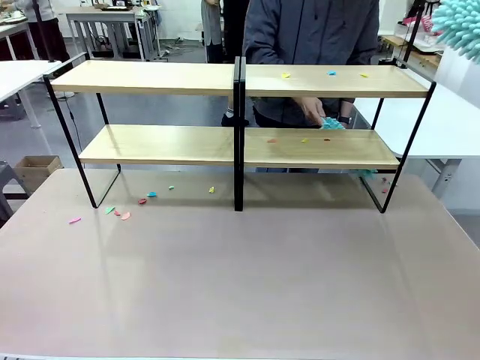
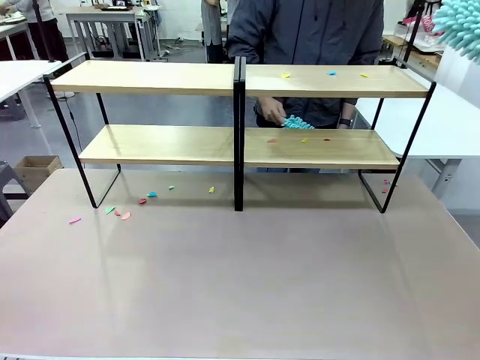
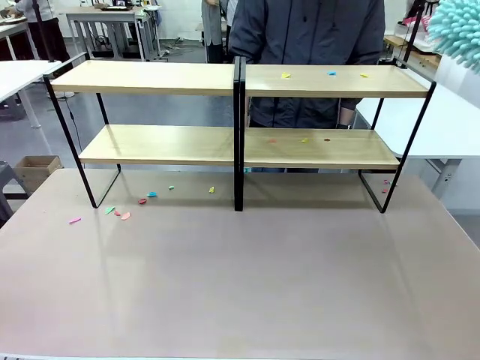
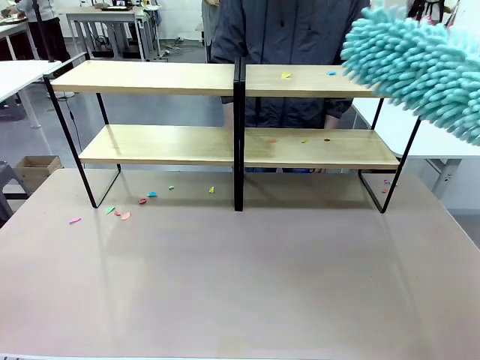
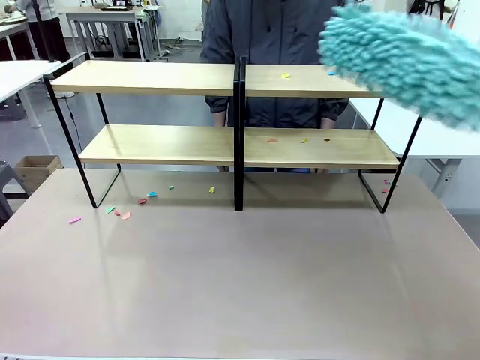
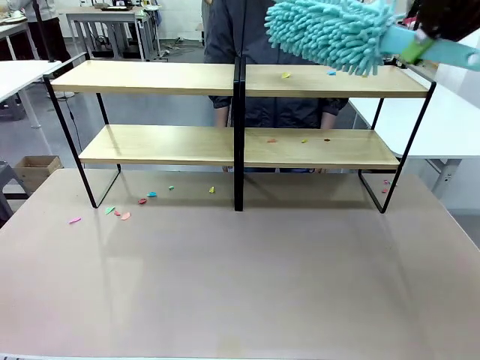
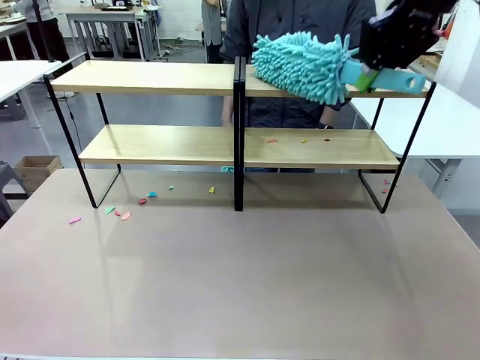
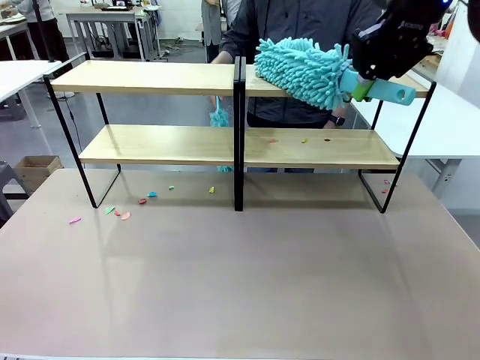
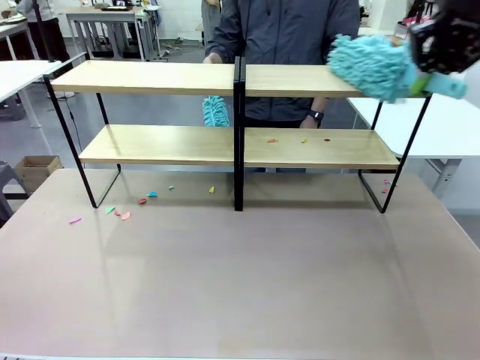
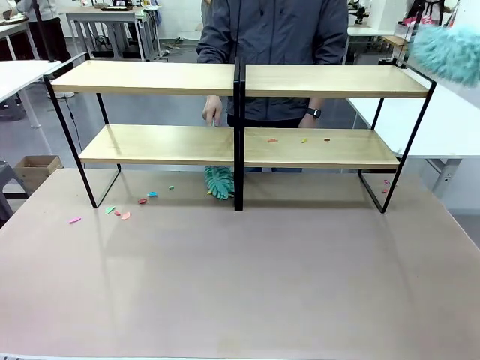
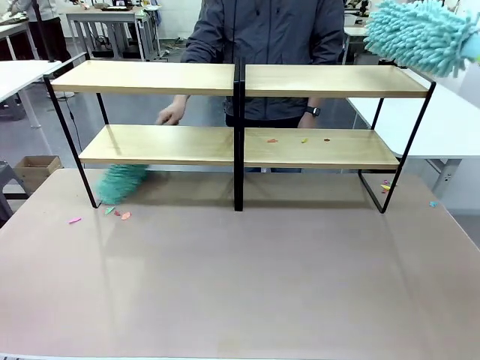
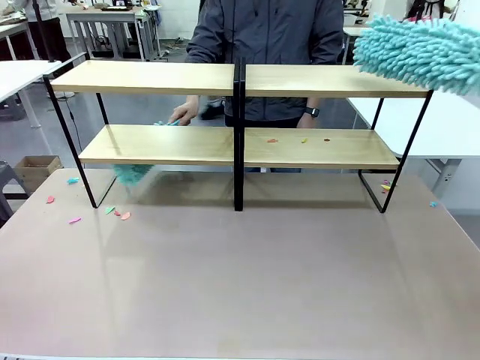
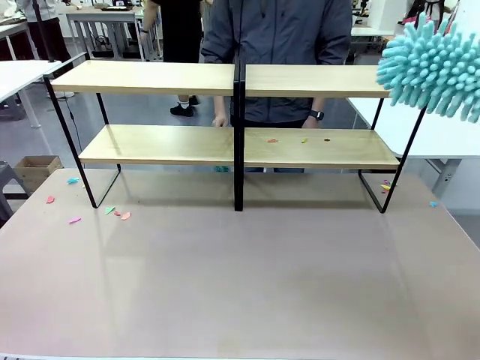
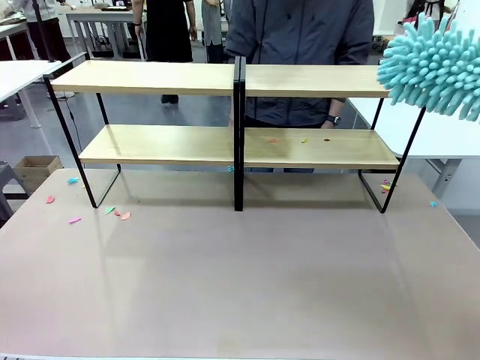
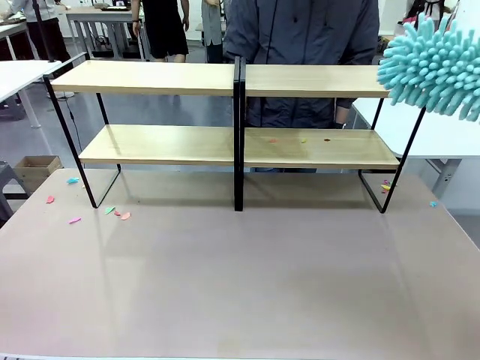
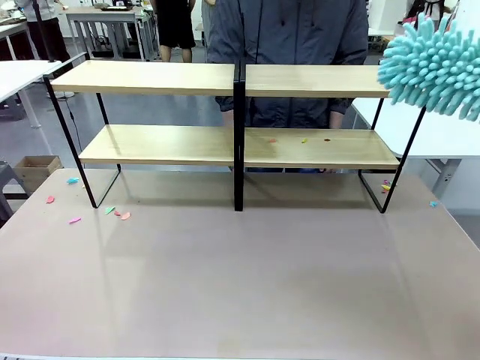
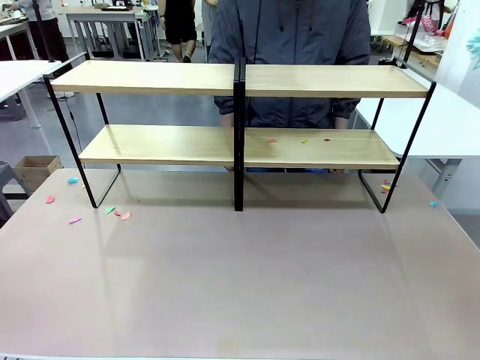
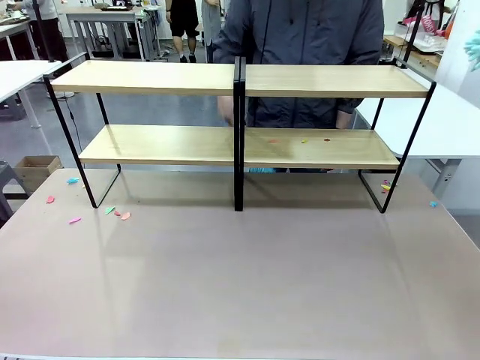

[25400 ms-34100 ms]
Task: Clean the shelves.
Robot: Clean another randomly selected level of the Shelf with the Duster.

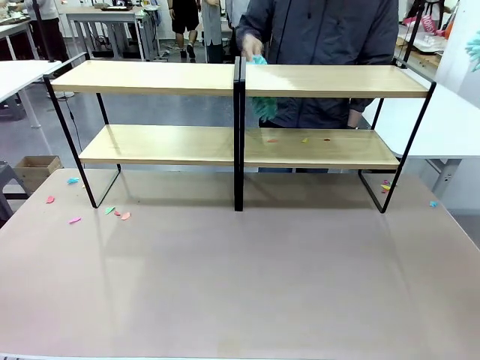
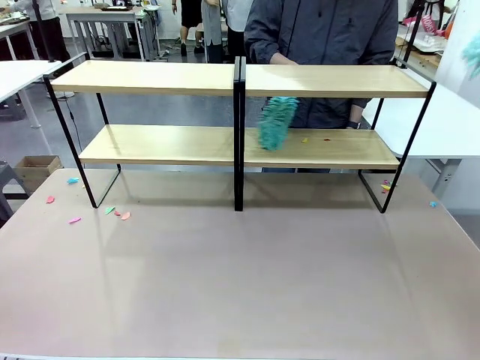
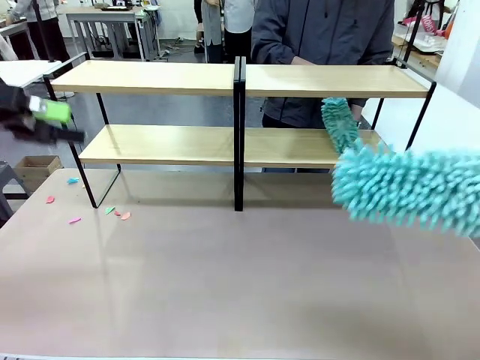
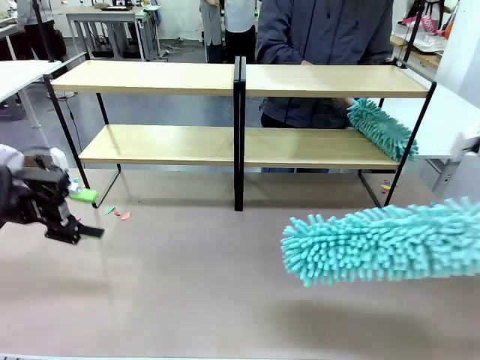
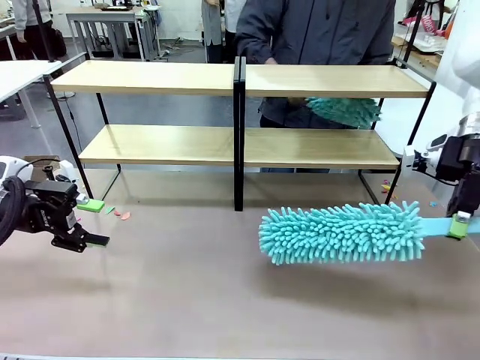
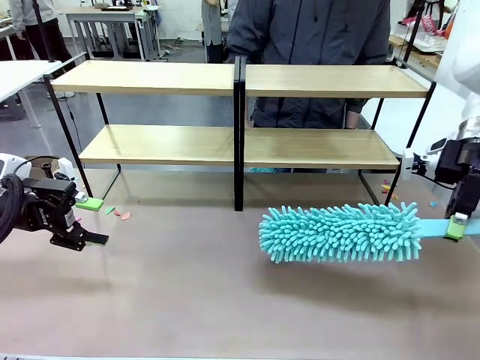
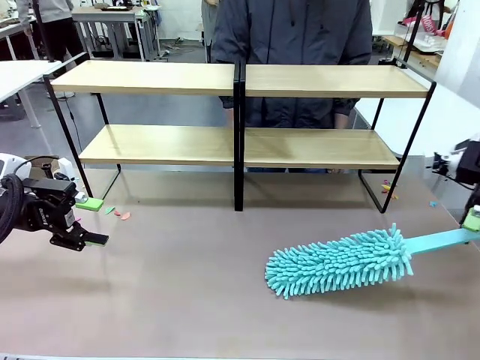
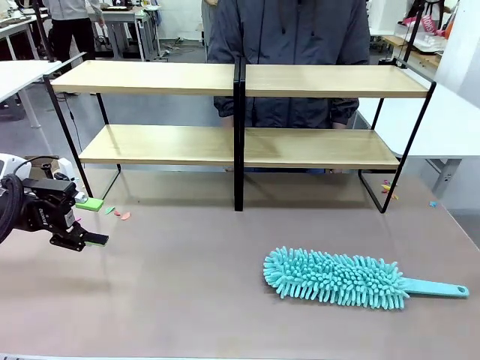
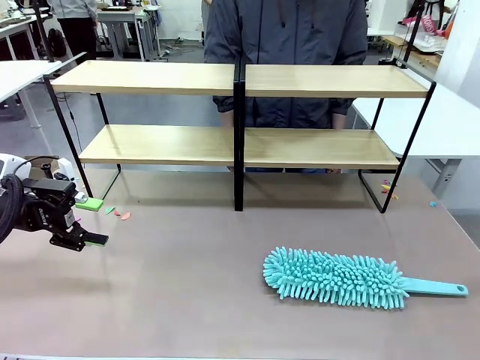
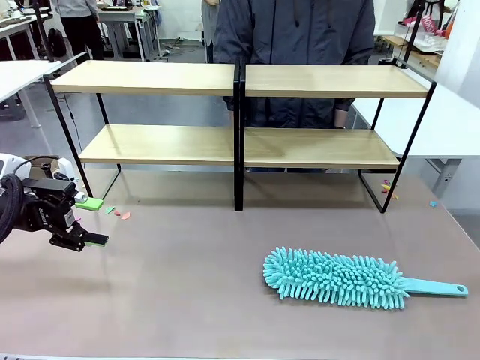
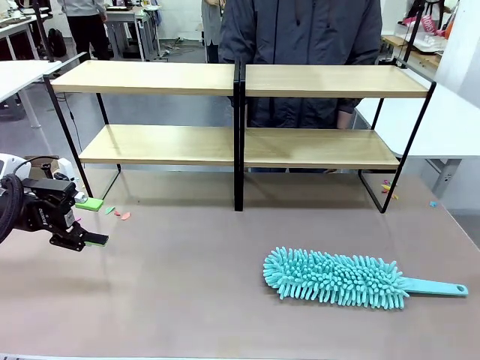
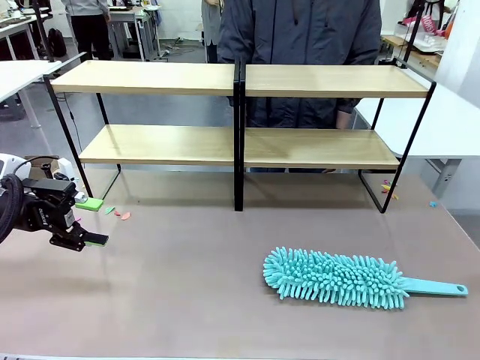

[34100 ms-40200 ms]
Robot: Place the Duster on the table.

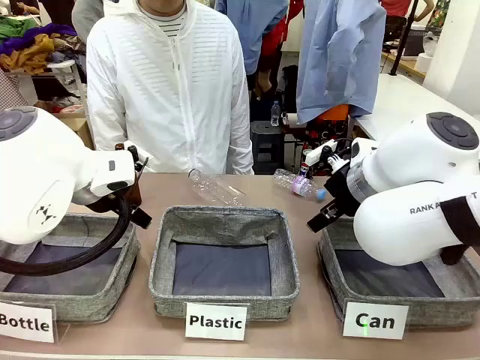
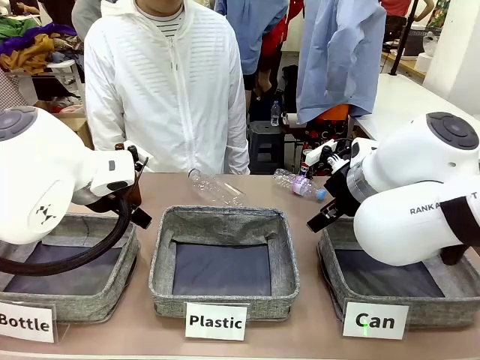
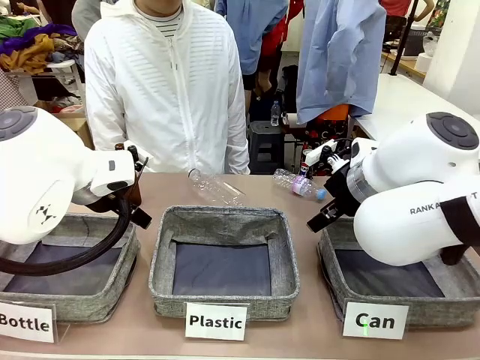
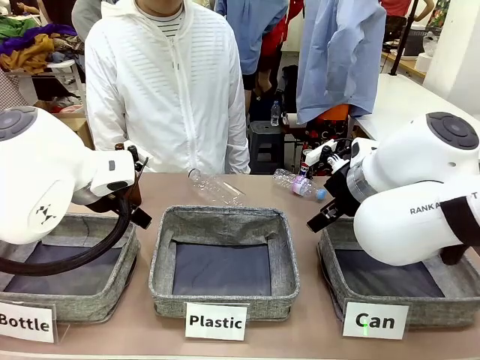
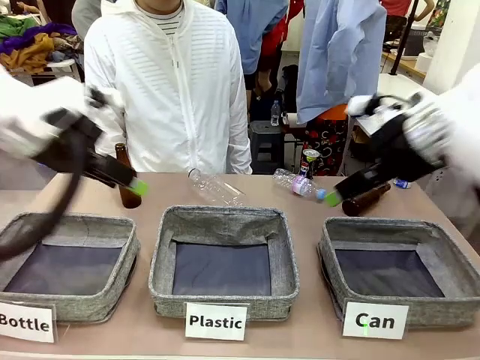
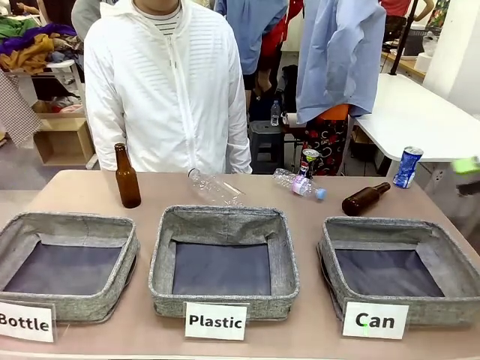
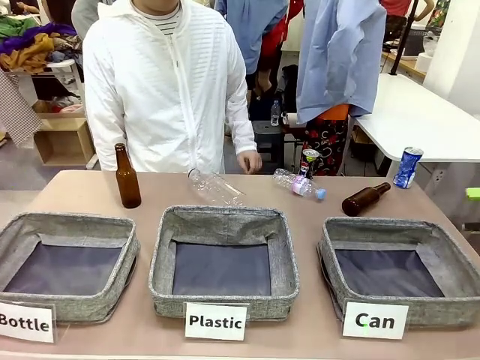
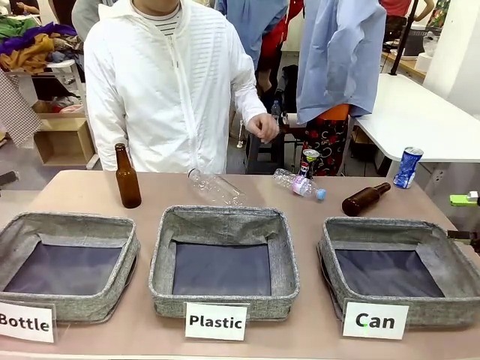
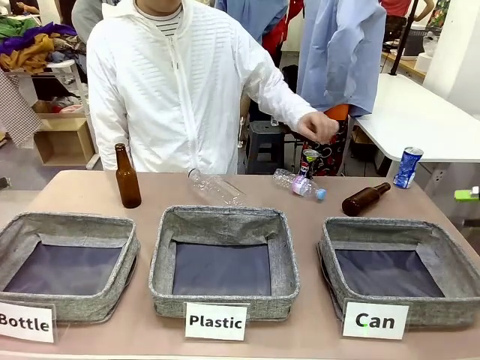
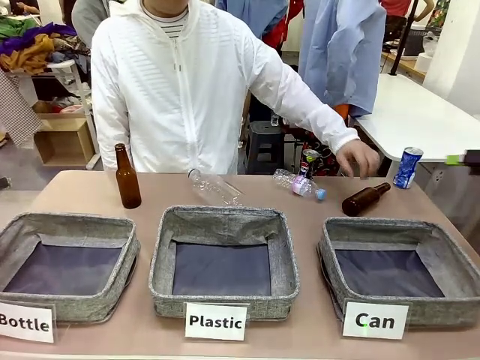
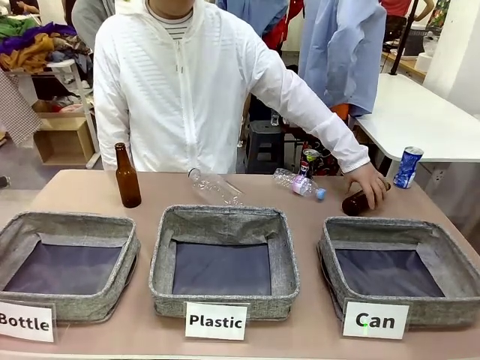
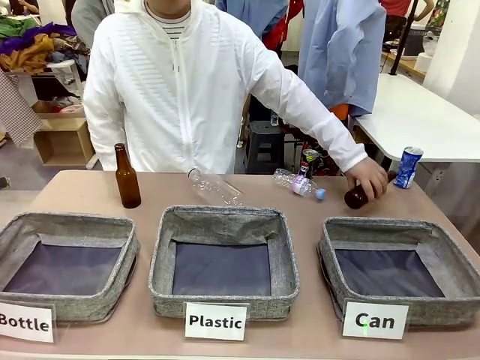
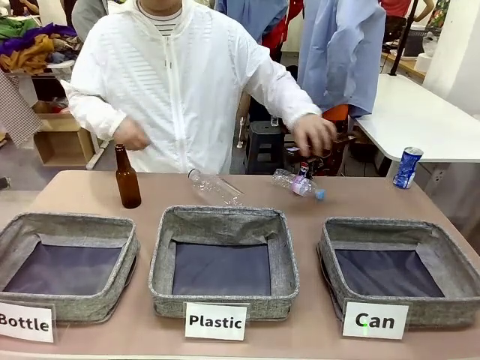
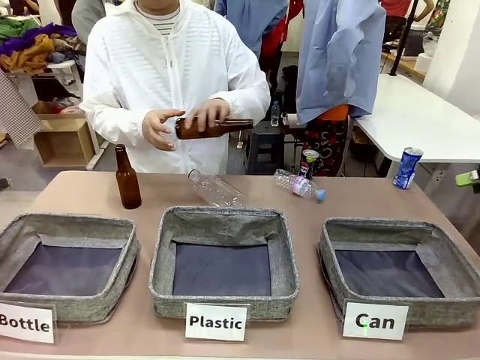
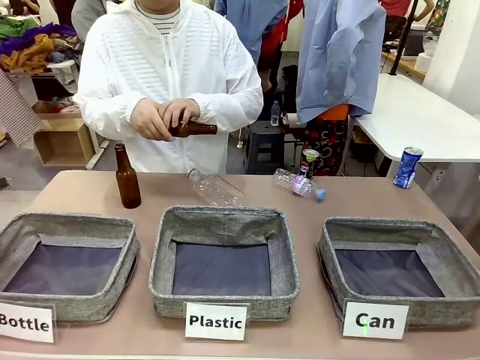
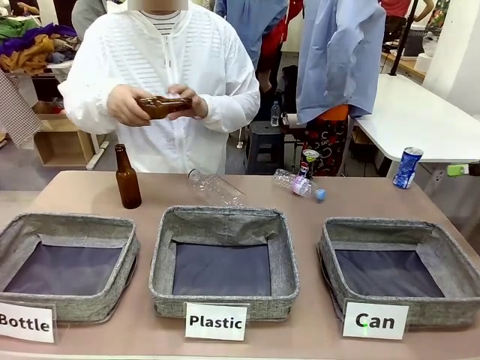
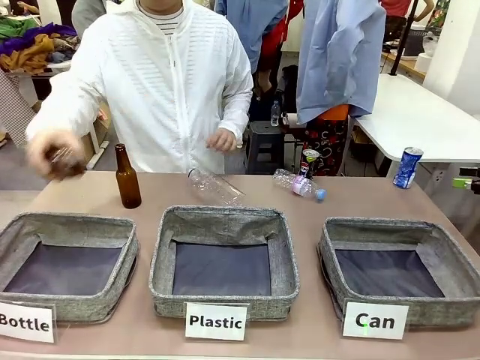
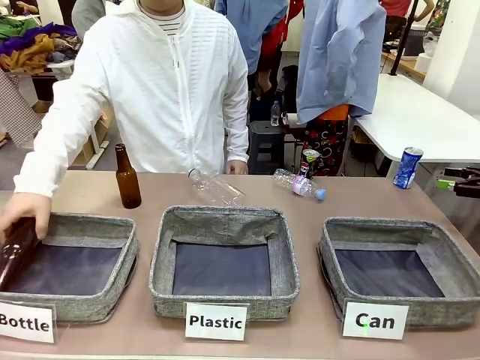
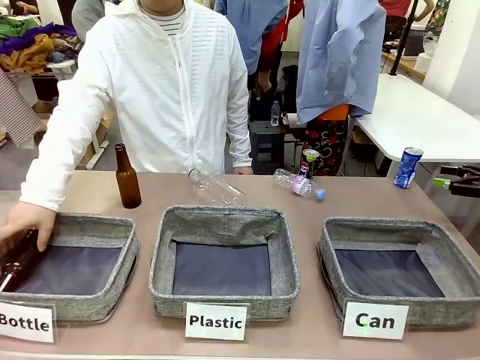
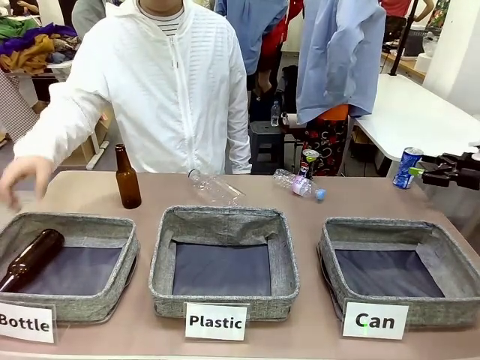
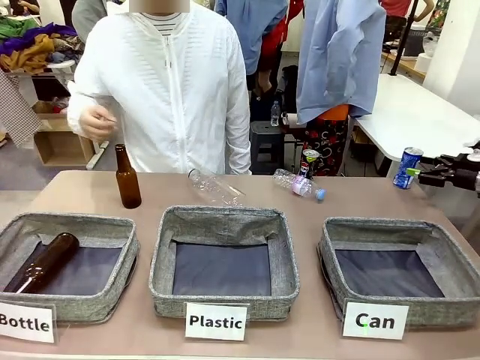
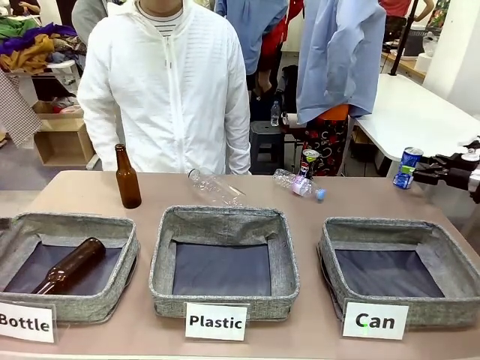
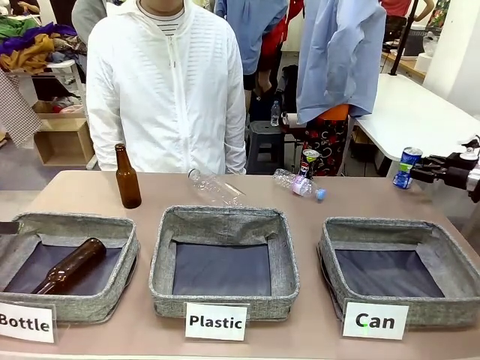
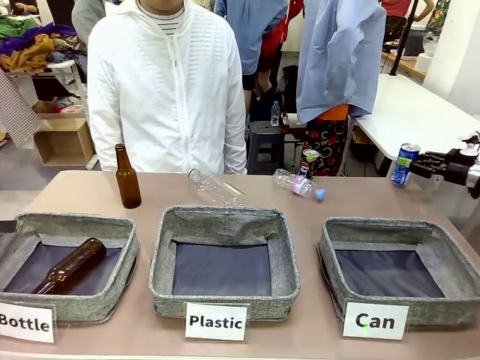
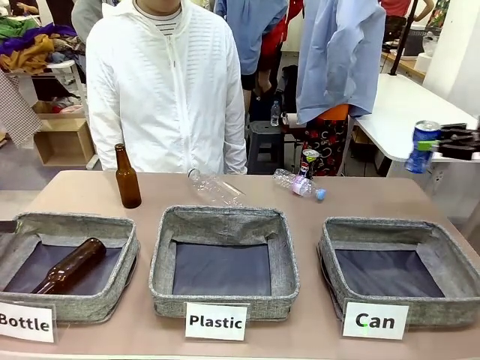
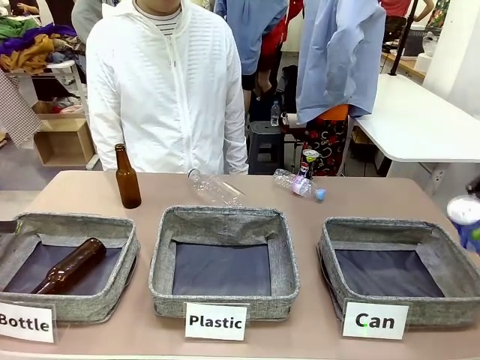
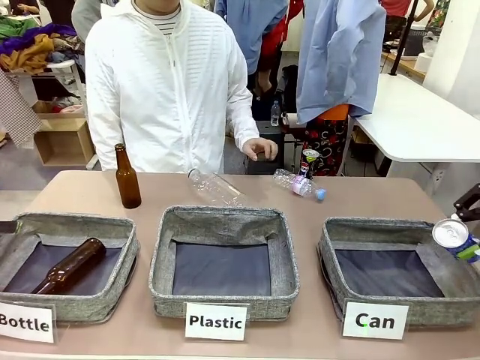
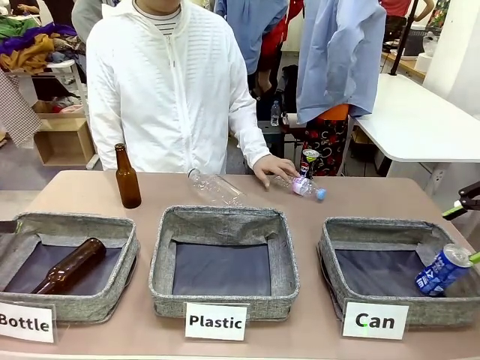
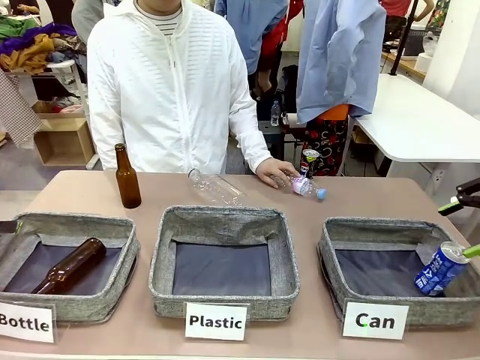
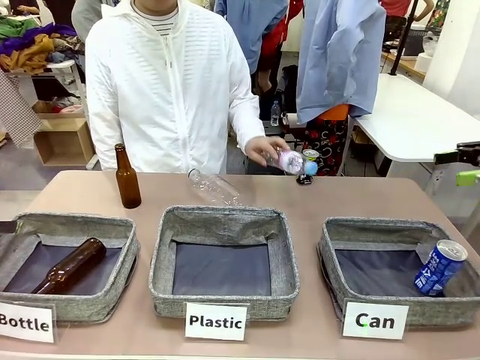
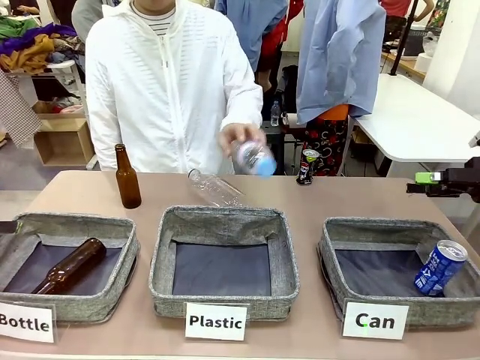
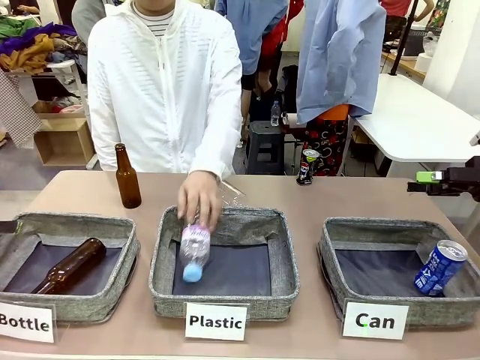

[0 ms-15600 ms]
Task: Sort the can waste into the basket.
Robot: Pick up the can waste from the table and place it in the right Fabric basket.
